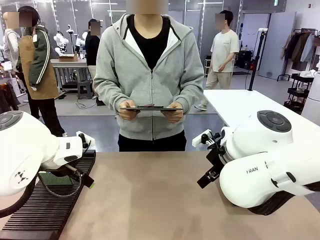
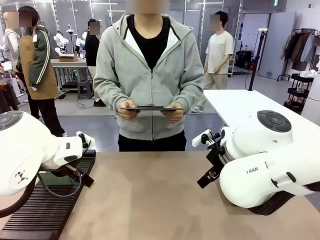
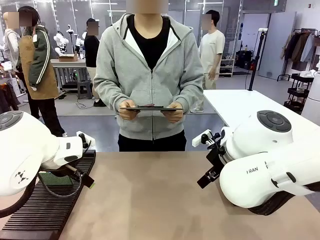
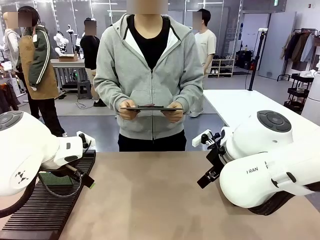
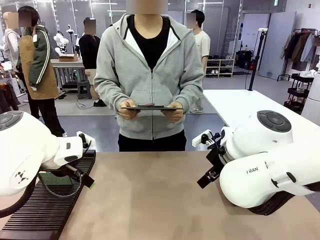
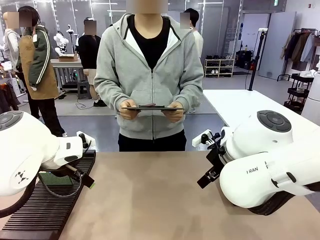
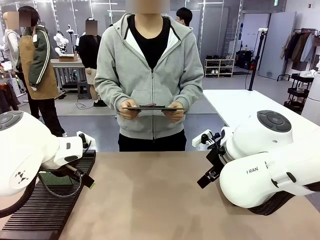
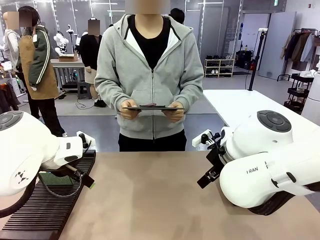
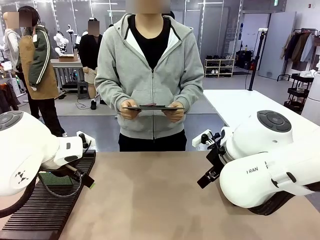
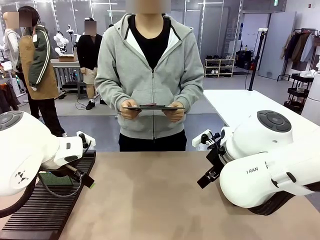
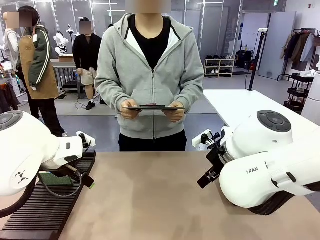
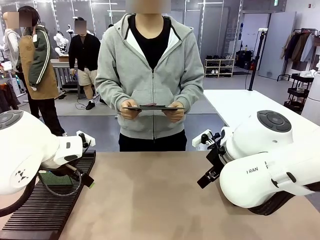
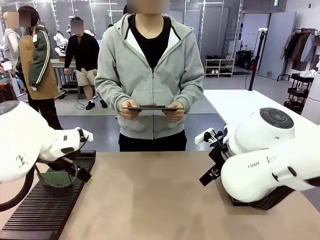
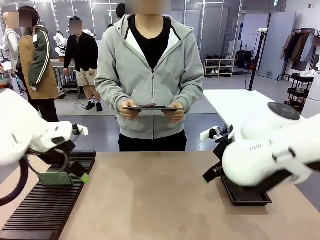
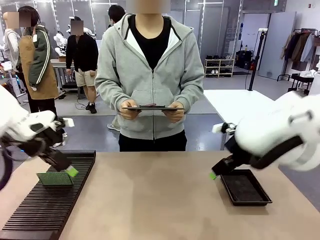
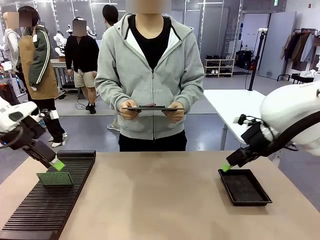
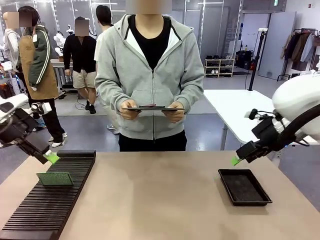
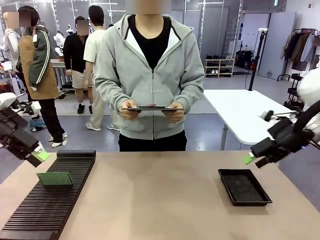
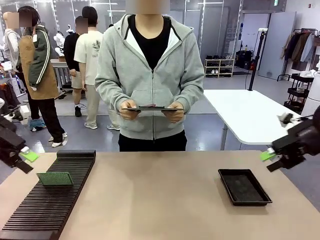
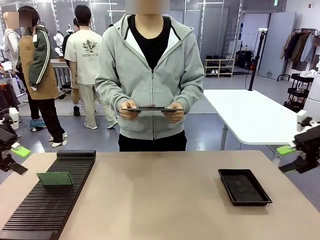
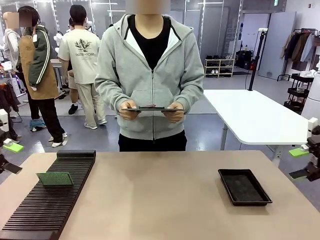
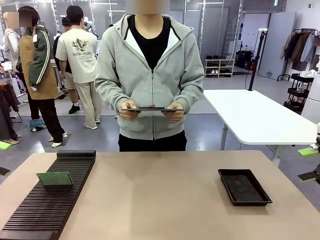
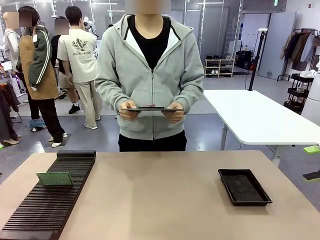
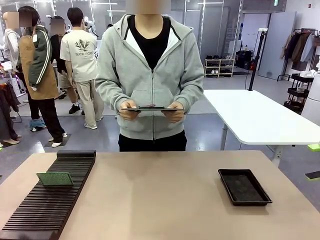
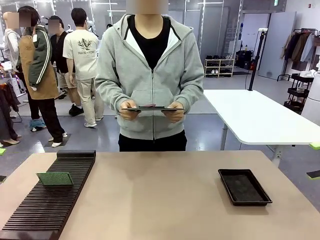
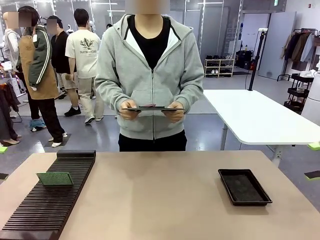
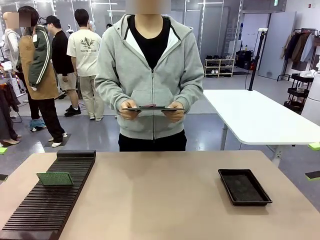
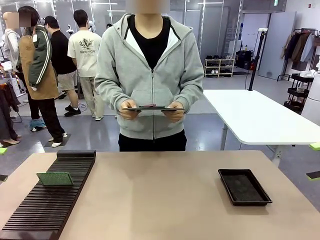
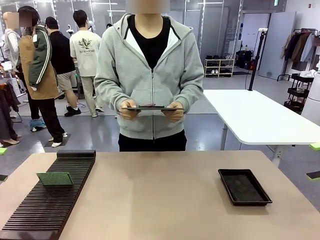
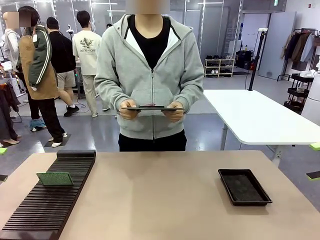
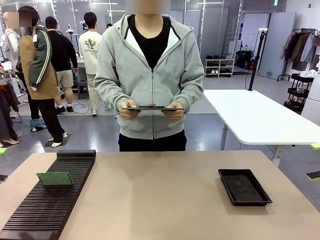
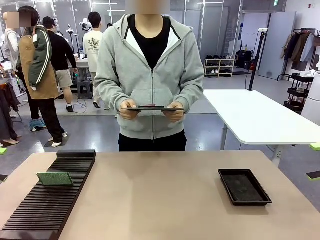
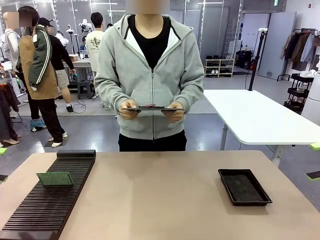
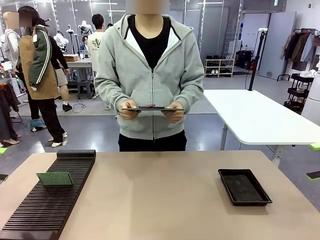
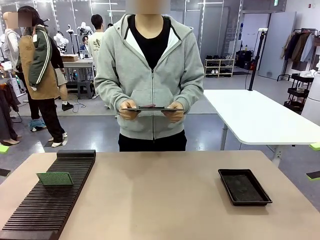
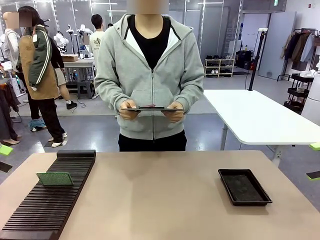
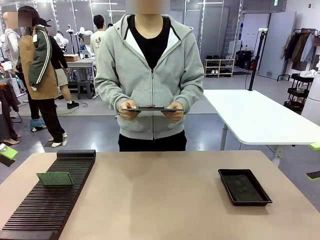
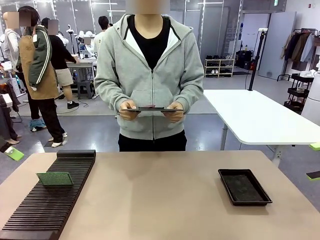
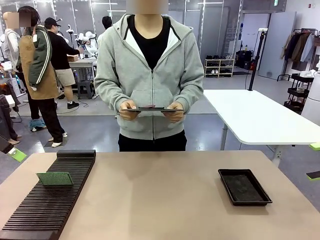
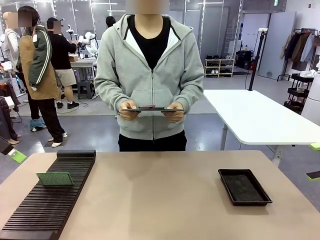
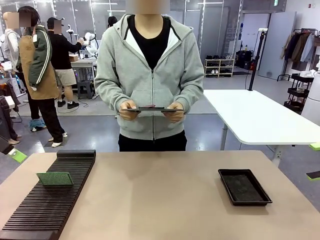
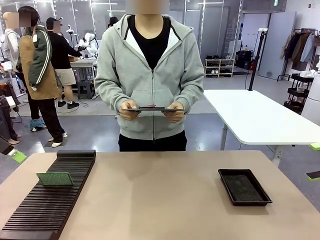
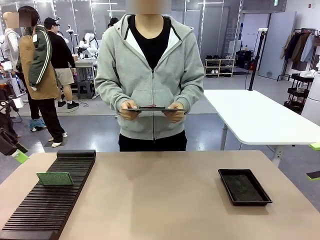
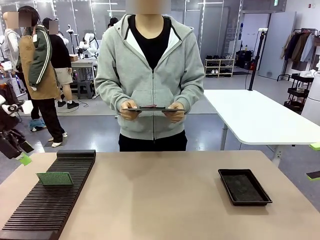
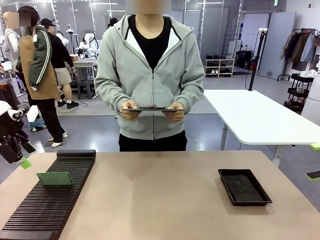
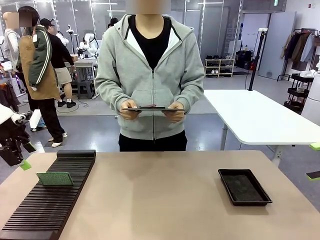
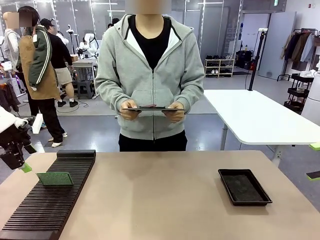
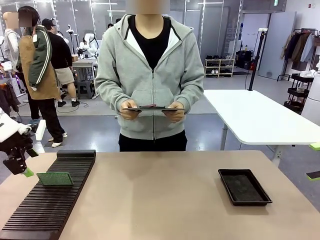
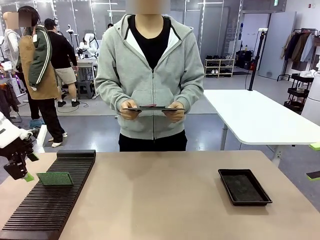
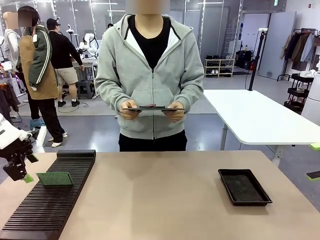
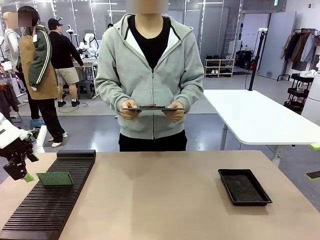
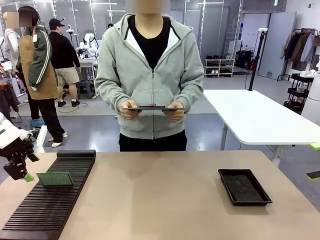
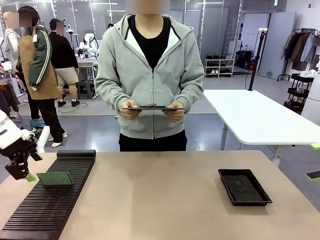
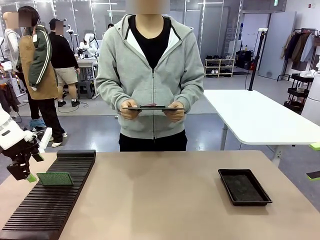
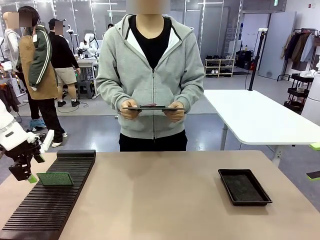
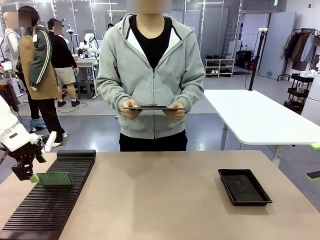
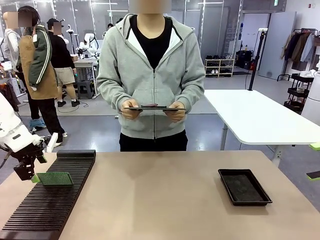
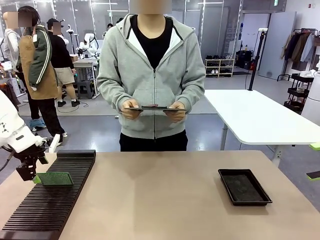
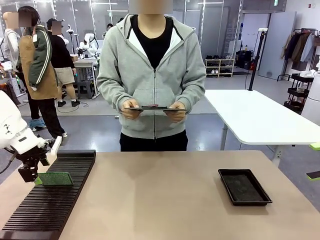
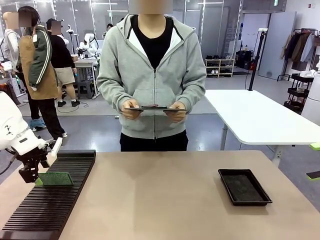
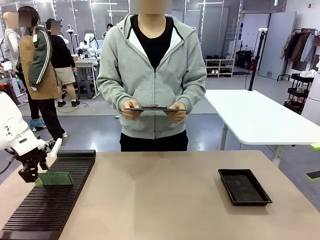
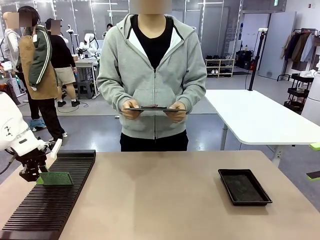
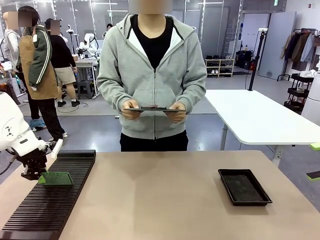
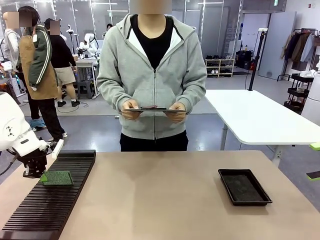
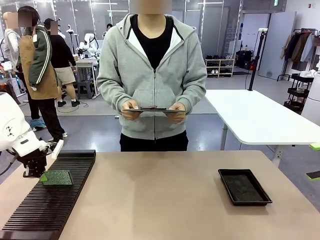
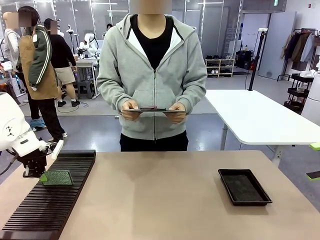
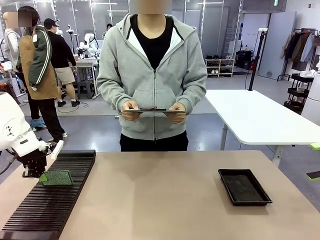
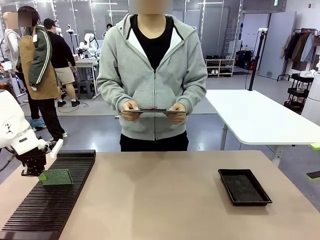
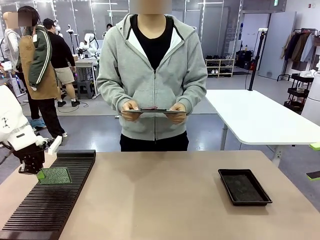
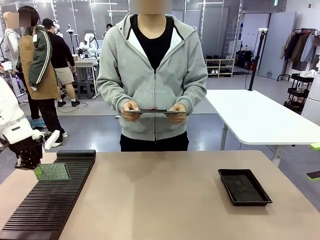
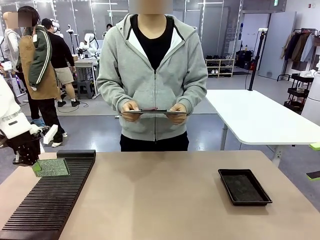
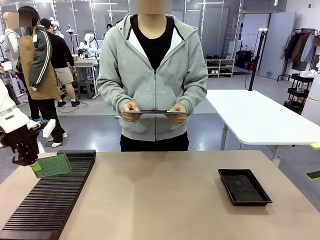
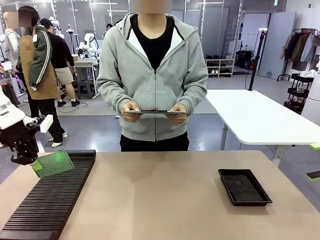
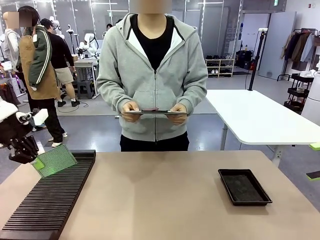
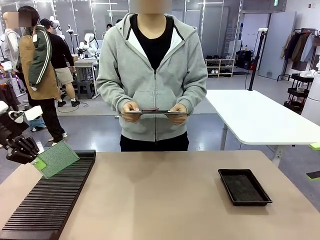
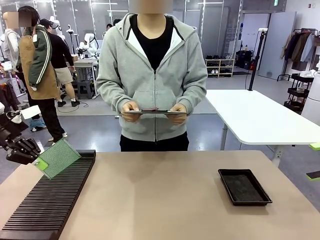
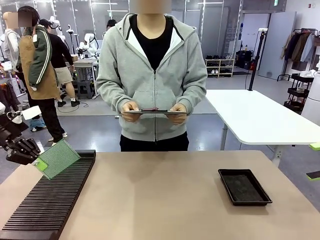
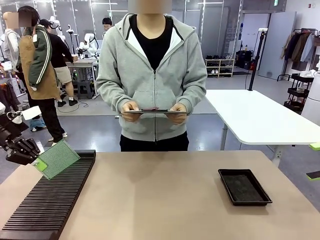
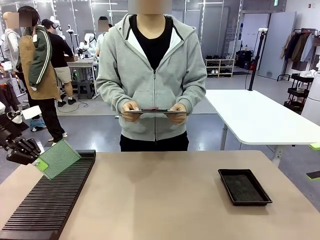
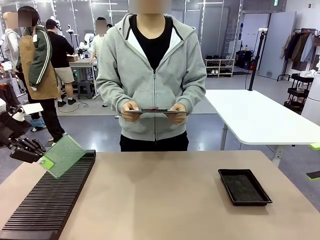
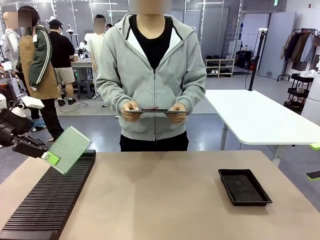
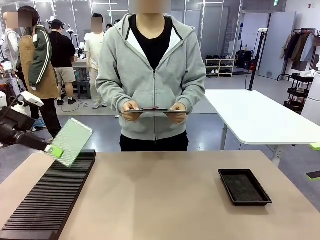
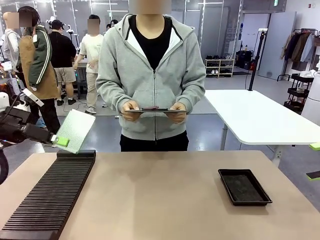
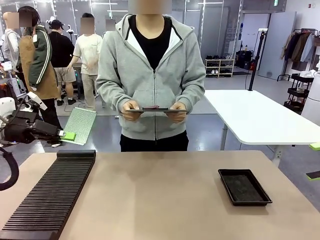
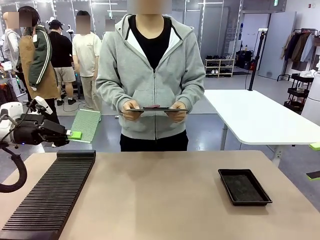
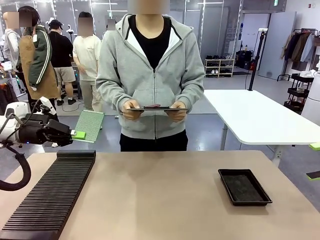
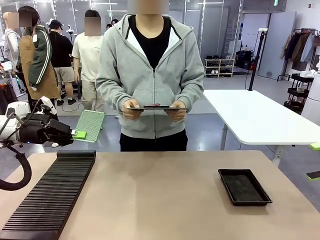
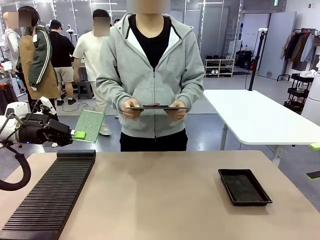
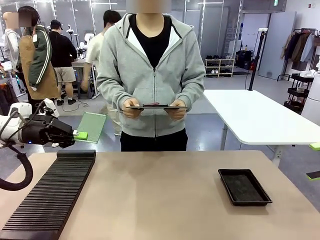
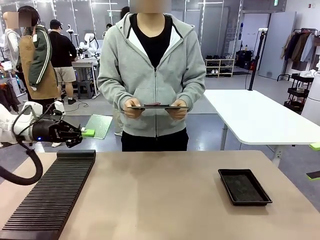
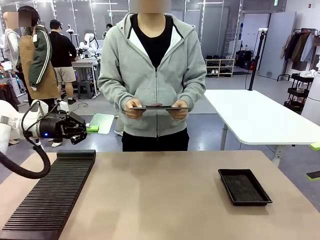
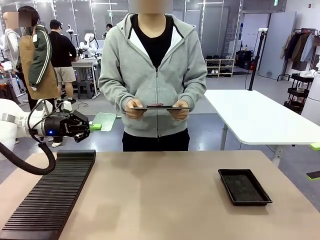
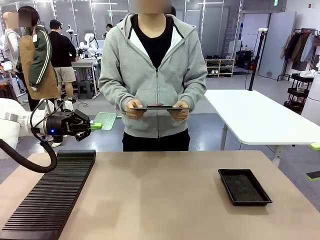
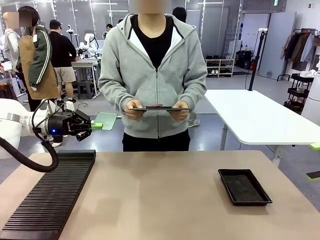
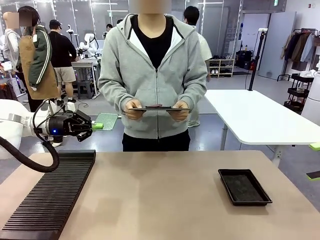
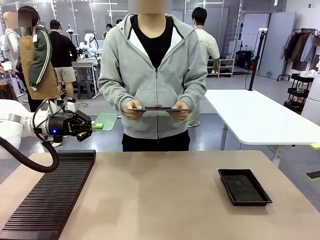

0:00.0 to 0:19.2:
Task: Inspect the PCB.
Robot: Pick up the Blank PCB and present it to the human.
Person: Pick up the PCB presented by the robot.

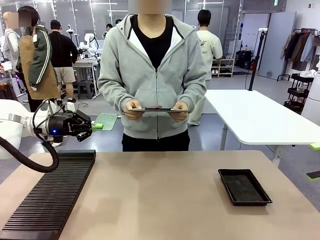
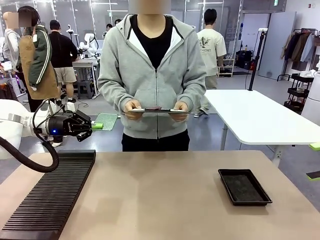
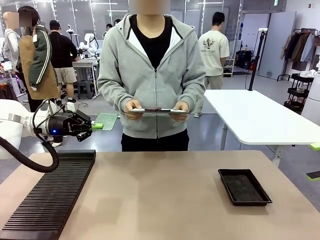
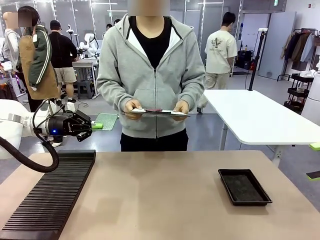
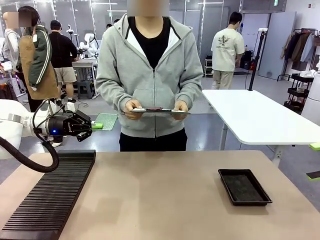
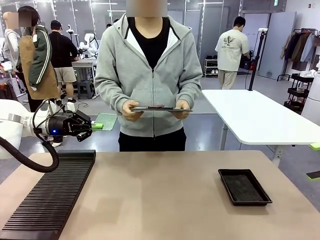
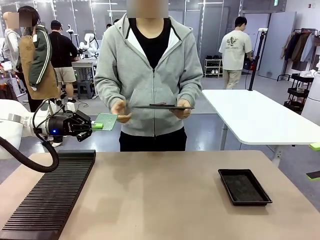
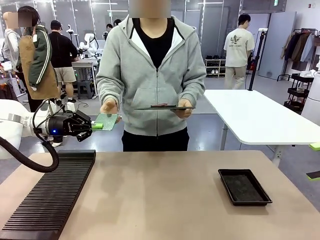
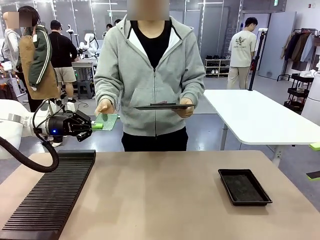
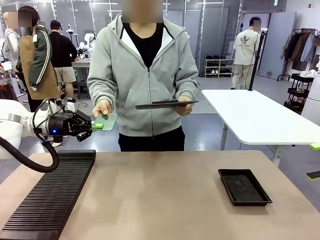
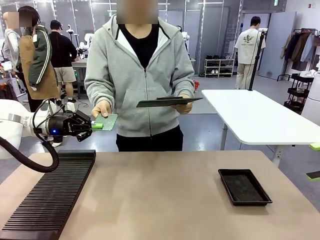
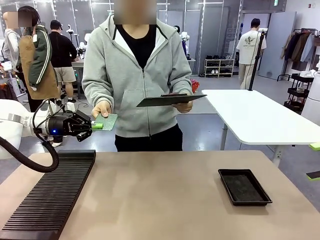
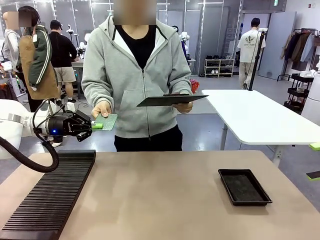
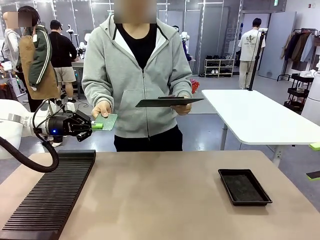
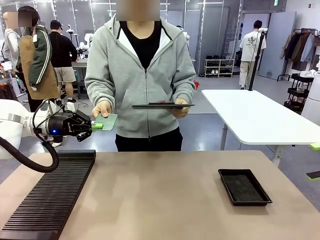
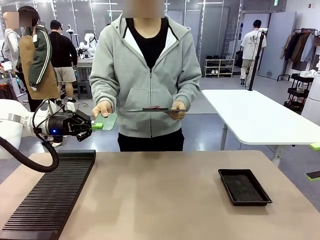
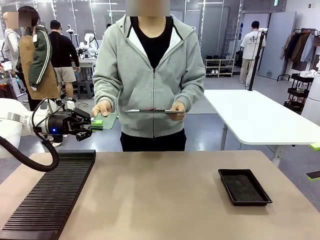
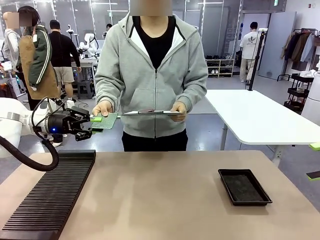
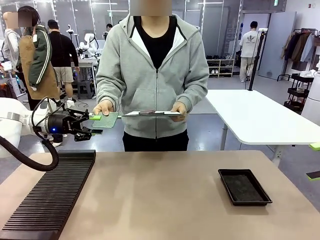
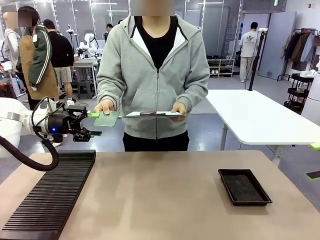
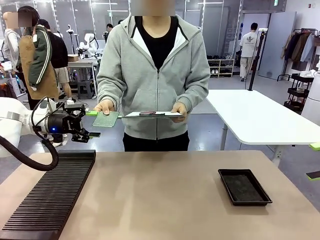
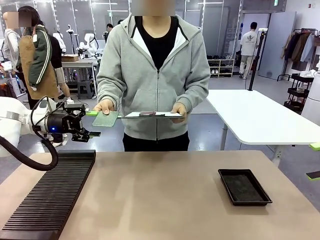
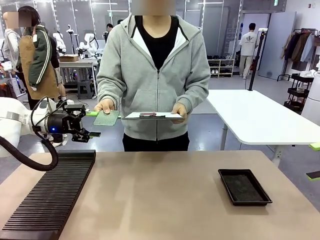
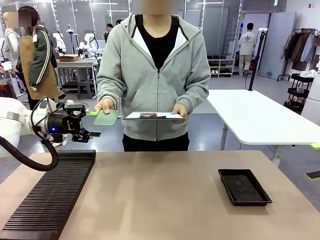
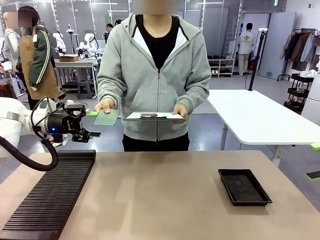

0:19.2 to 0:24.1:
Robot: Release the Blank PCB you were holding.
